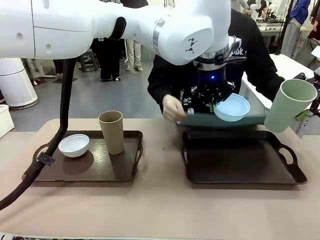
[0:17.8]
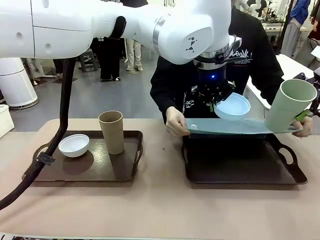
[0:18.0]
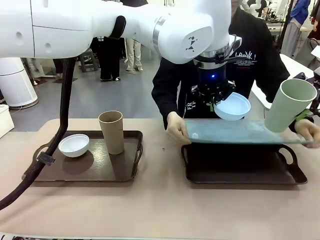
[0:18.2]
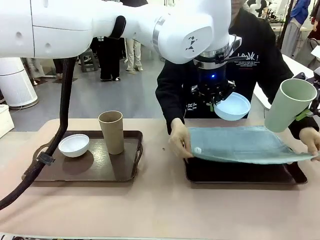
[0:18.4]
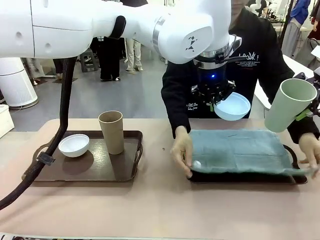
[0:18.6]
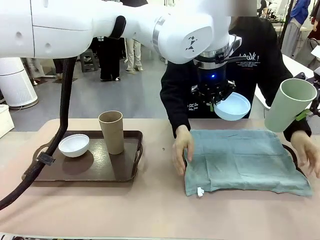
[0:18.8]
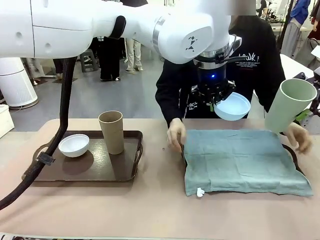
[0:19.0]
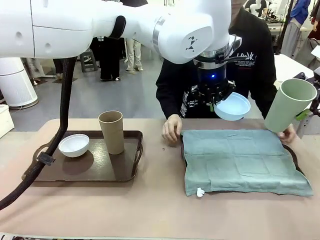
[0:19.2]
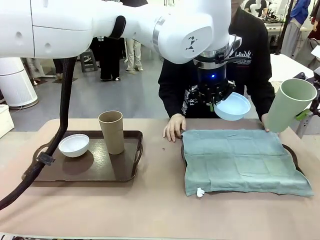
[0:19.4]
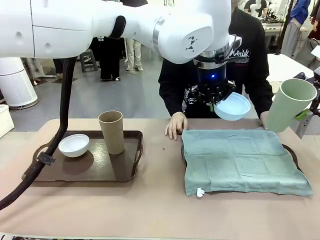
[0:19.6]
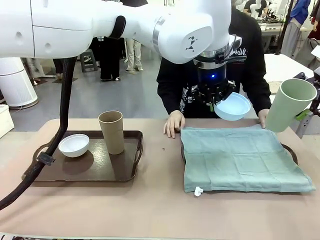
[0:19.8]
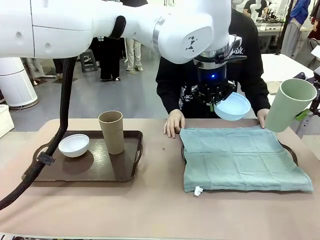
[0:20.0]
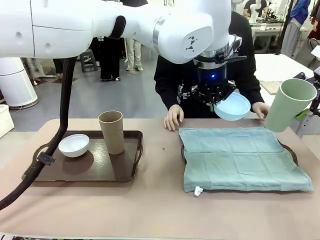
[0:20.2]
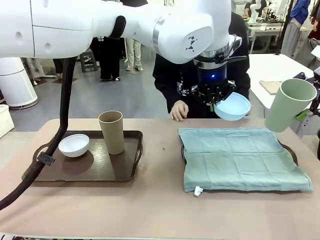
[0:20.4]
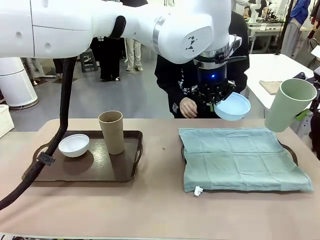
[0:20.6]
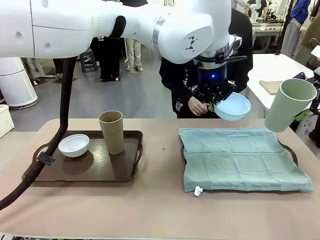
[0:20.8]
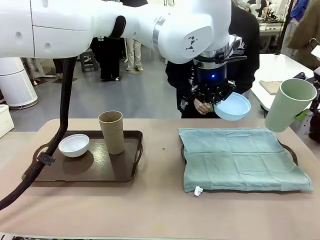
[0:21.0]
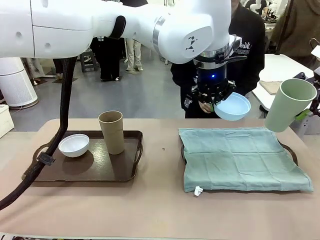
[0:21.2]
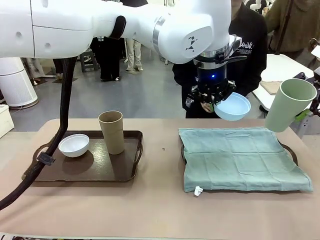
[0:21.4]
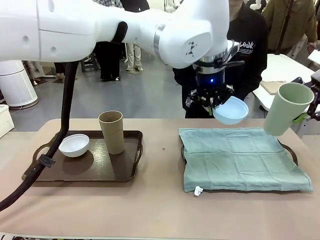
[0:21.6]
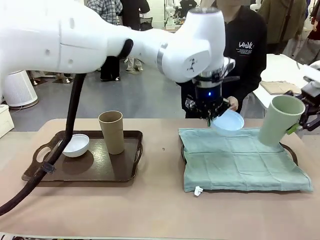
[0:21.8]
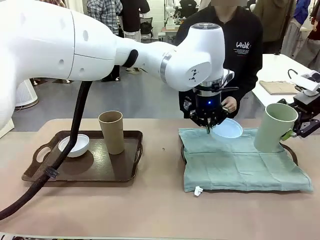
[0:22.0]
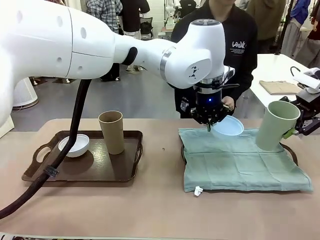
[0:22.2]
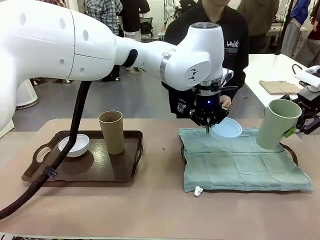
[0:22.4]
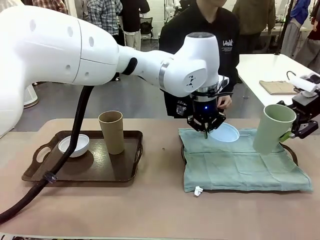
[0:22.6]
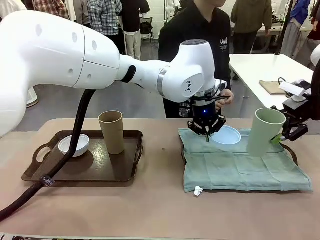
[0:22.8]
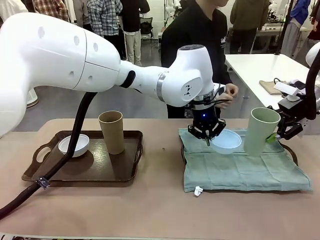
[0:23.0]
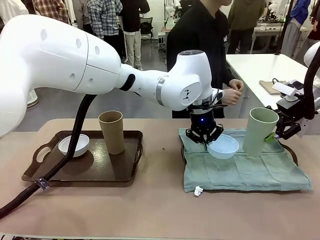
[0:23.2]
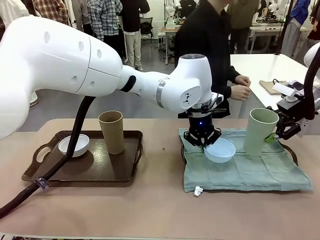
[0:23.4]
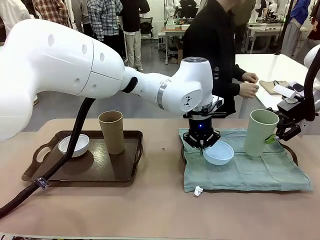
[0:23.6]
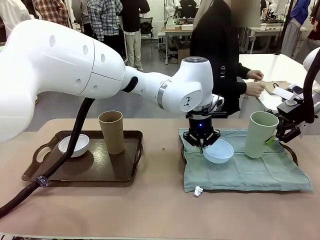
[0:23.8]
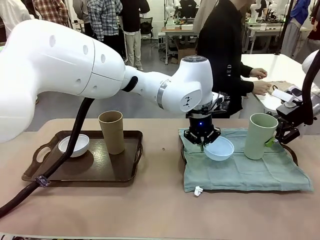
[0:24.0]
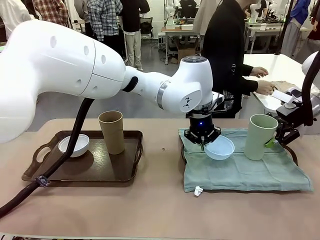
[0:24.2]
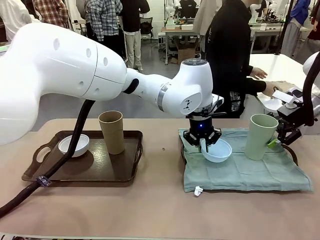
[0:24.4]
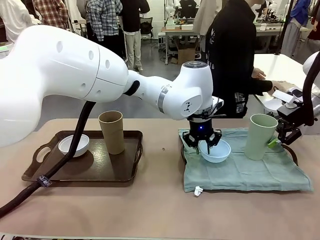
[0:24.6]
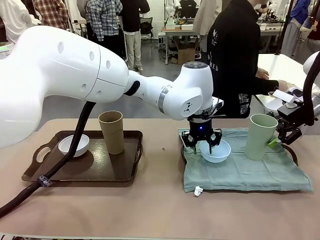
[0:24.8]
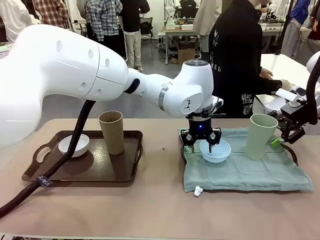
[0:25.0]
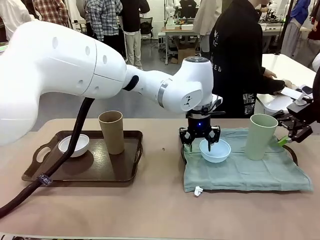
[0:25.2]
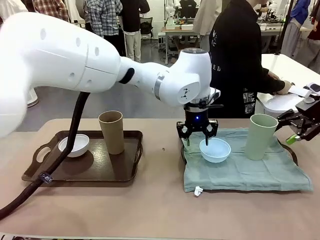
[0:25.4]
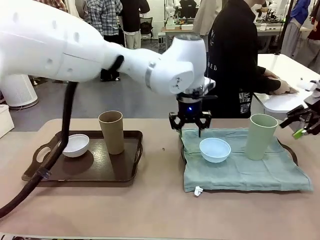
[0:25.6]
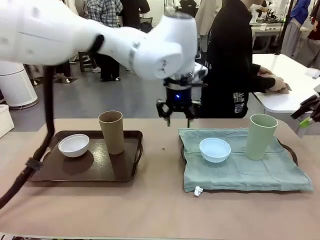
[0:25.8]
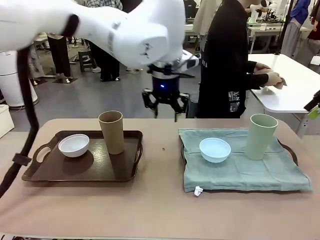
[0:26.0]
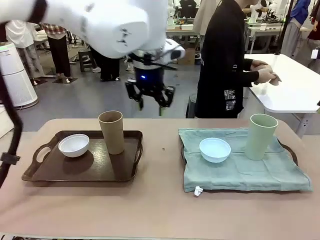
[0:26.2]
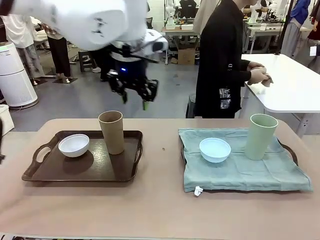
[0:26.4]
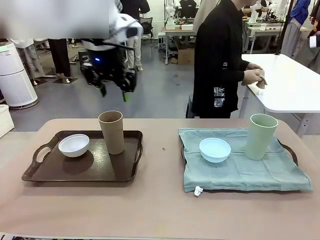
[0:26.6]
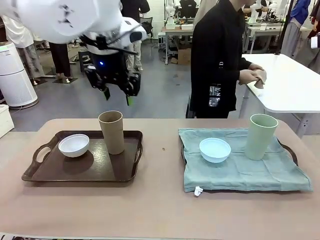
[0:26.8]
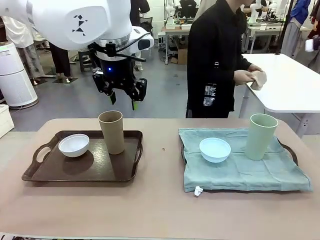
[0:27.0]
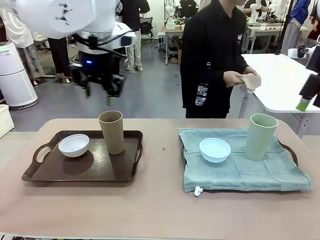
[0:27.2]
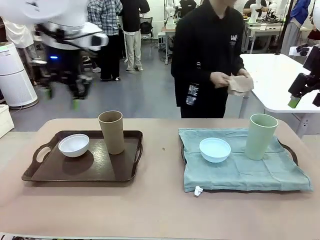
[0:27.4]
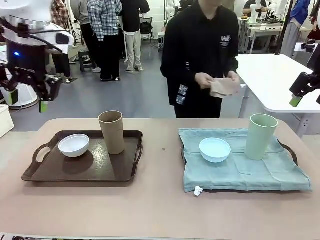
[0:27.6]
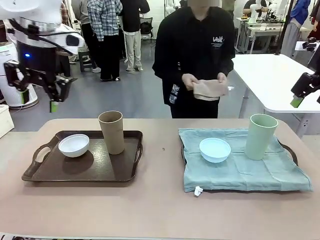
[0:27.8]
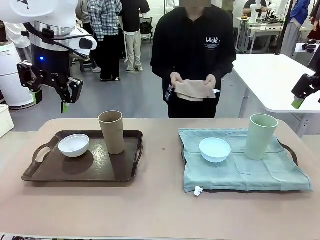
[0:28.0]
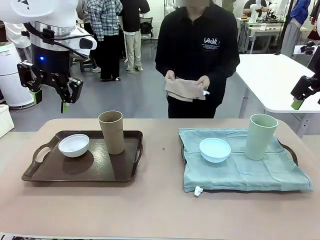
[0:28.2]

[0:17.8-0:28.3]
Robot: Place the Picnic Bowl and Reusable plastic cup back onto the Handle tray in front of the human's position.
Person: The human returns to the human table to pick up another napkin and walks to the robot table to stand in front of the tray without a napkin.
